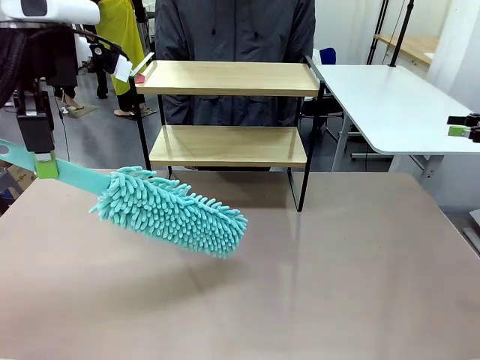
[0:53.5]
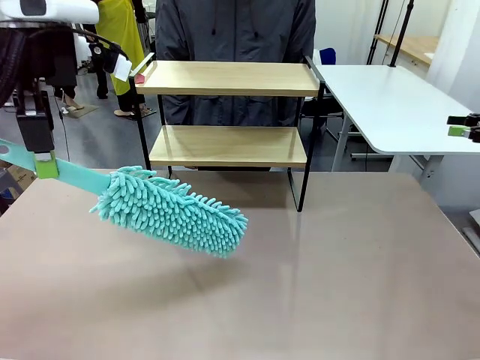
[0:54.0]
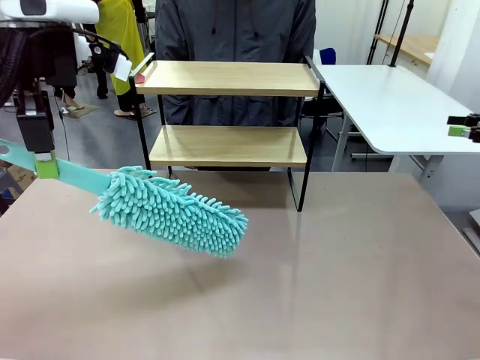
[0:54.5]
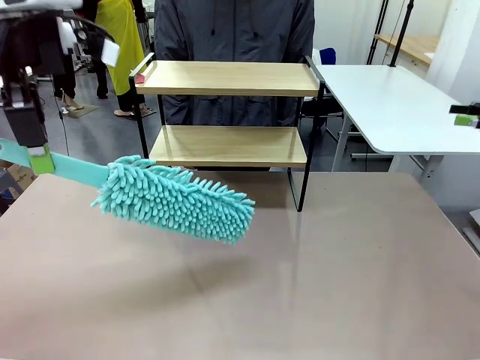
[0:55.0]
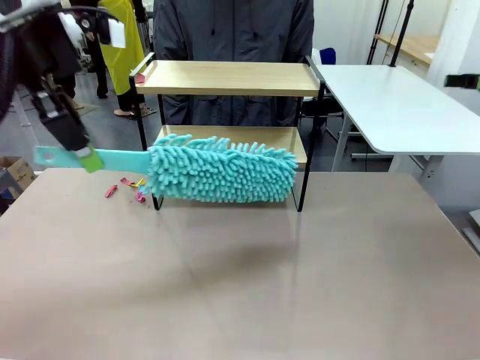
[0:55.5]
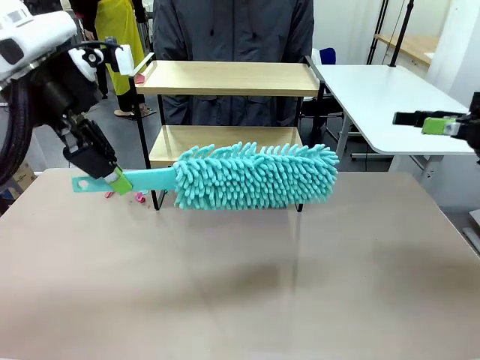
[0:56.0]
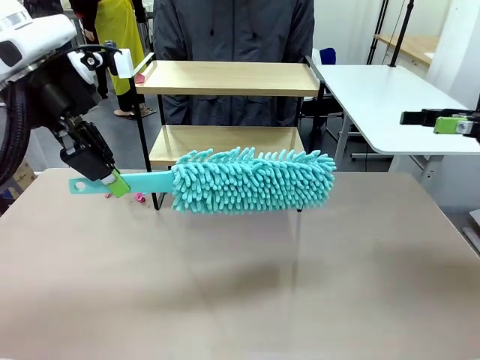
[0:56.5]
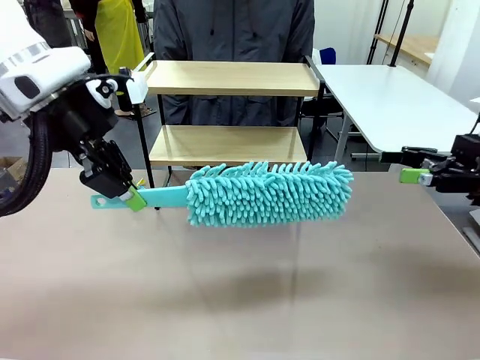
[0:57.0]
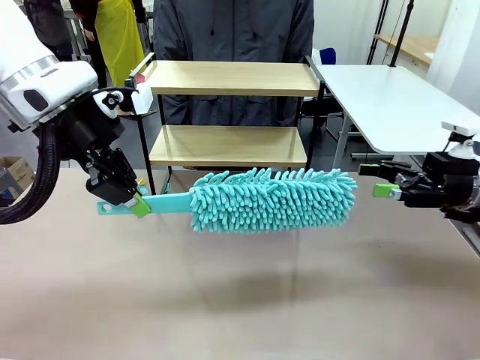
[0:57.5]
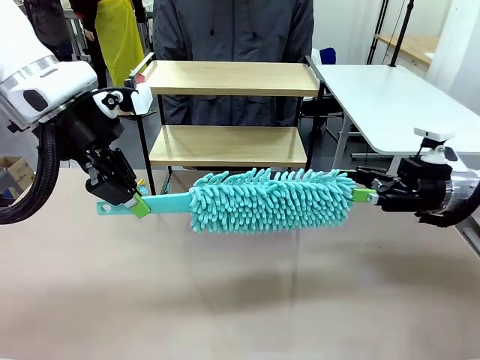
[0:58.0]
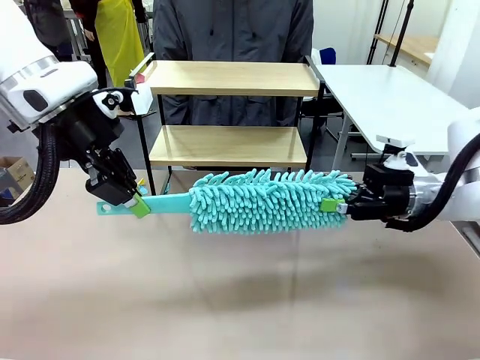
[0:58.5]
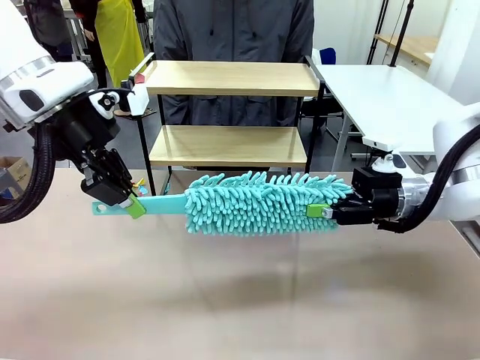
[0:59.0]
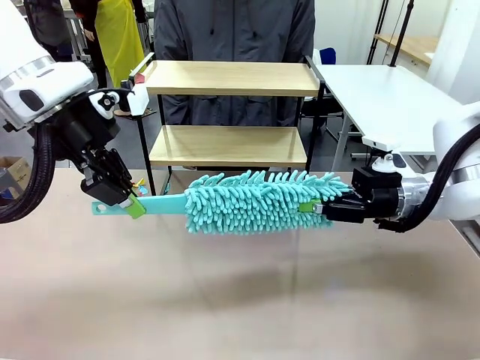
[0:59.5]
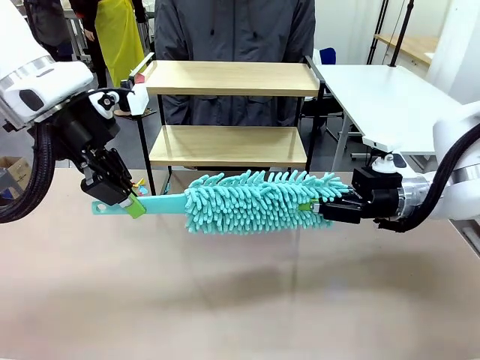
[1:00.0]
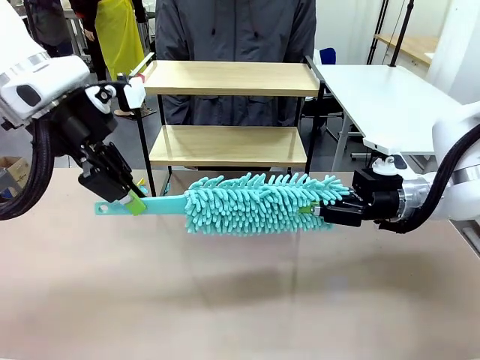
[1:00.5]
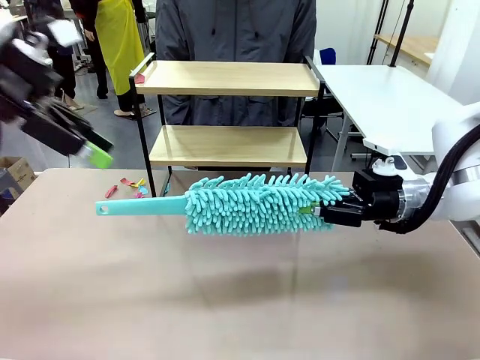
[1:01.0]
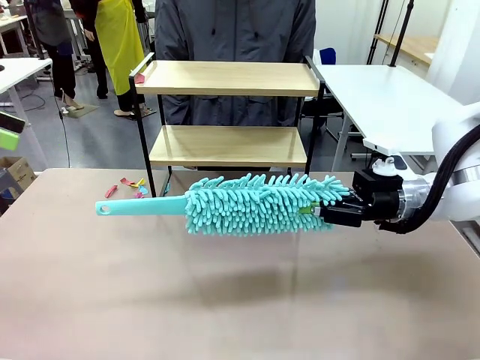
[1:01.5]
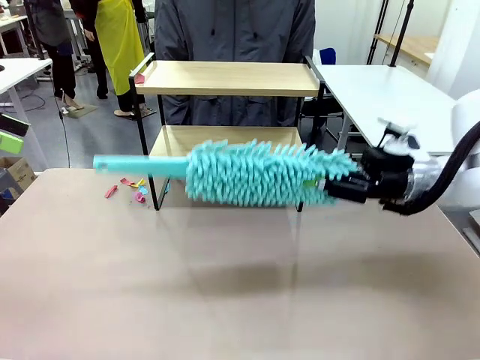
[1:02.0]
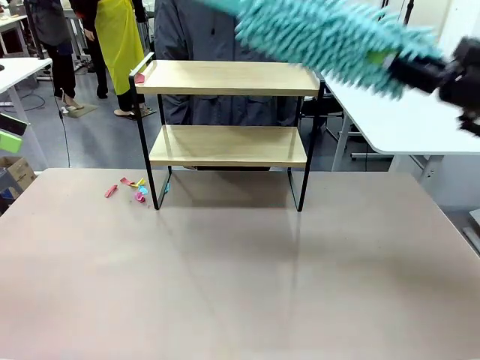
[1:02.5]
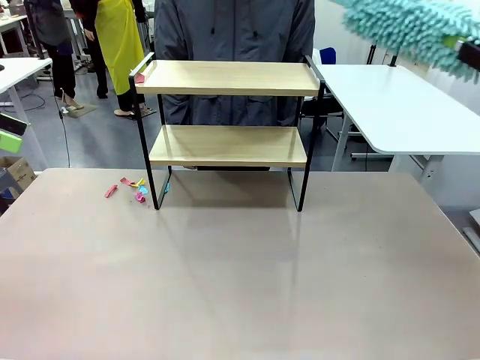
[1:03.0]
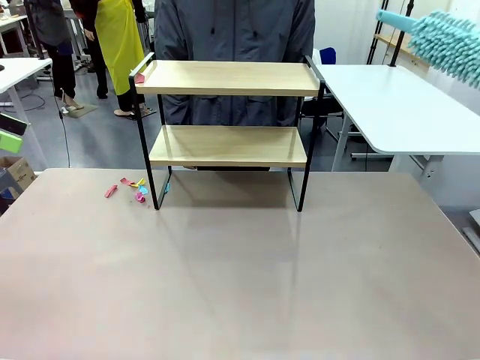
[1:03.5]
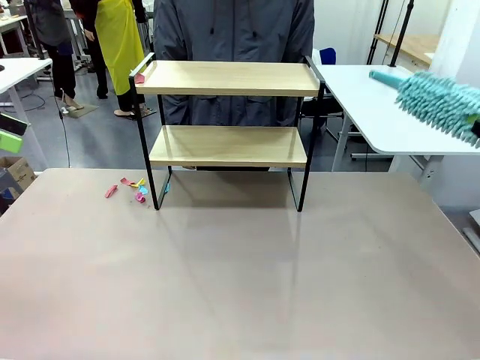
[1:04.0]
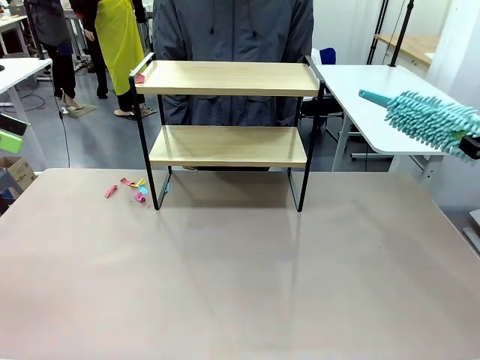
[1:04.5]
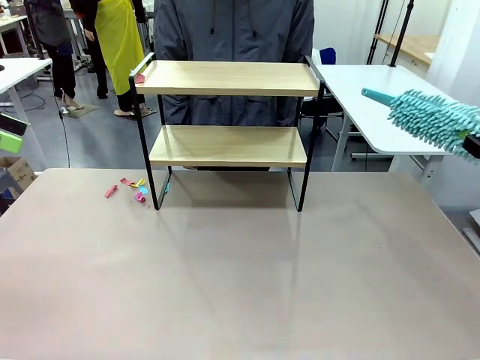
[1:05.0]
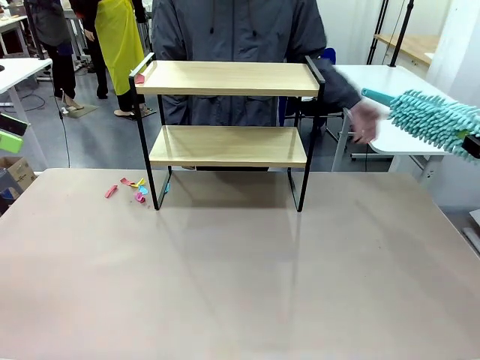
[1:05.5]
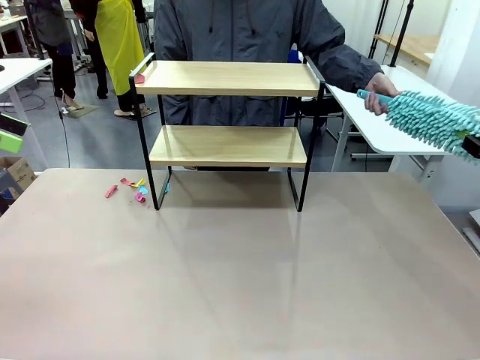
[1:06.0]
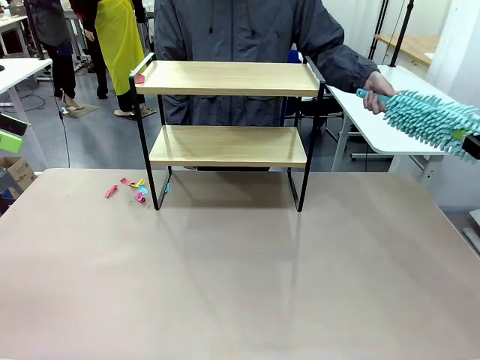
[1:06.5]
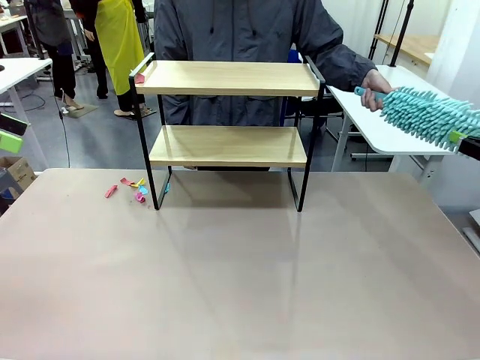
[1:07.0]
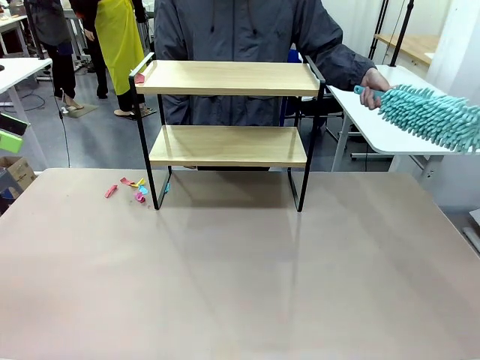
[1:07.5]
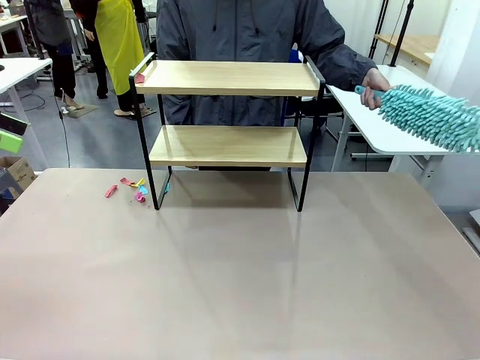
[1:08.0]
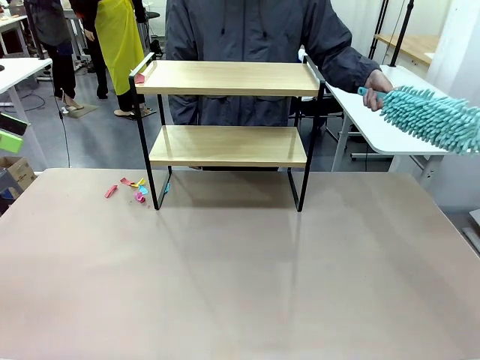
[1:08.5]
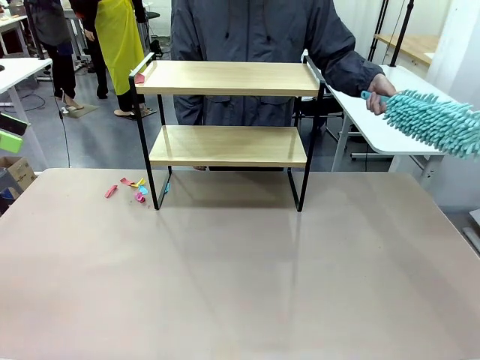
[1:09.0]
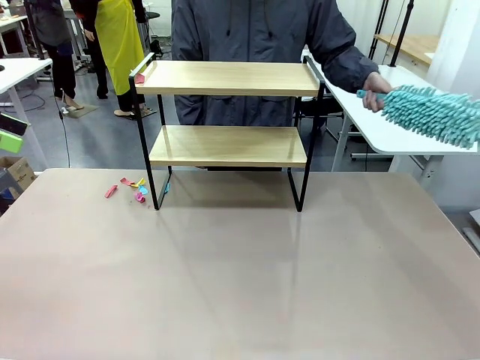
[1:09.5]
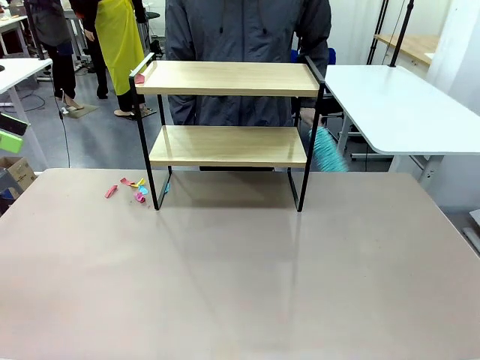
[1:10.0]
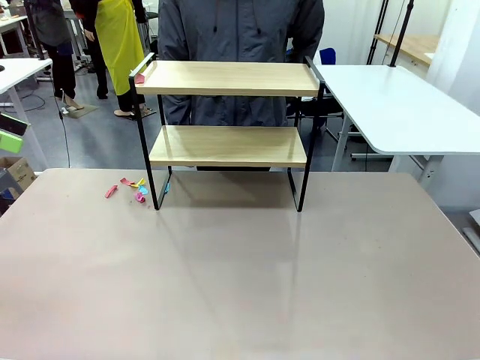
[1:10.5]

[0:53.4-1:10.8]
Task: Clean the shelf.
Robot: Hand the Duster back to the human.
Person: Receive the Duster from the robot.

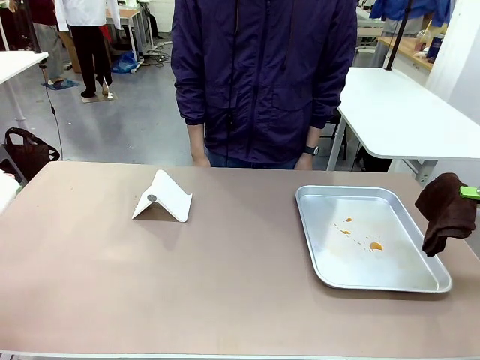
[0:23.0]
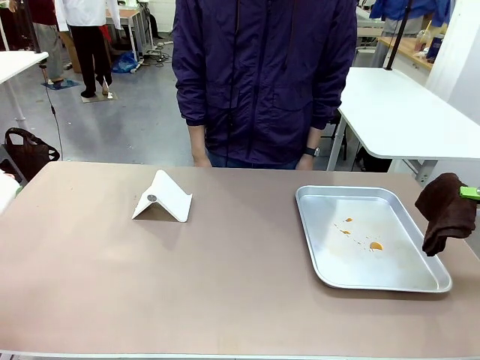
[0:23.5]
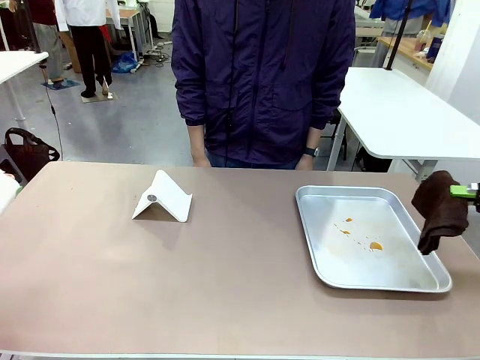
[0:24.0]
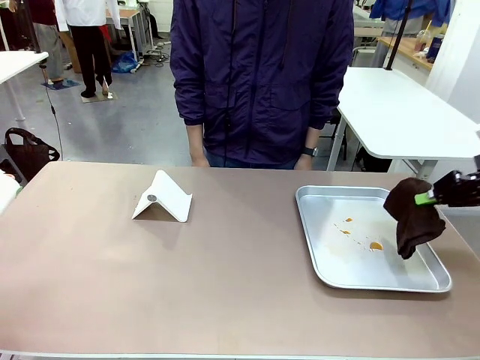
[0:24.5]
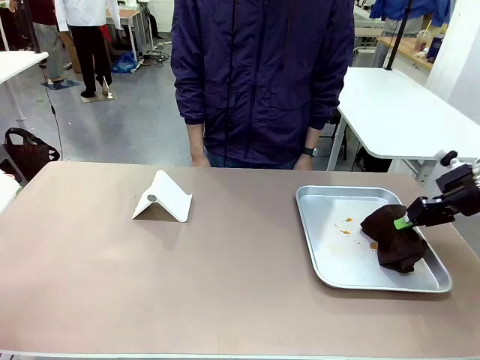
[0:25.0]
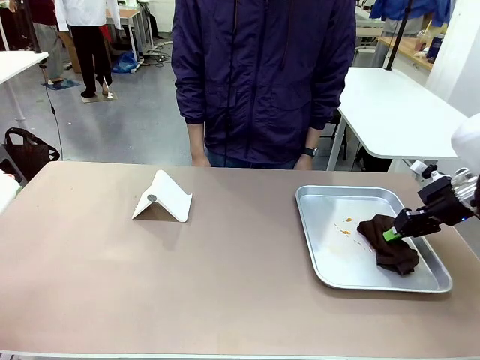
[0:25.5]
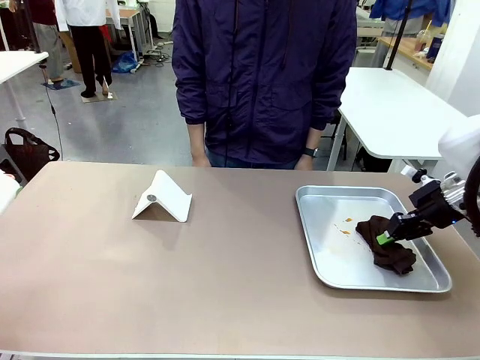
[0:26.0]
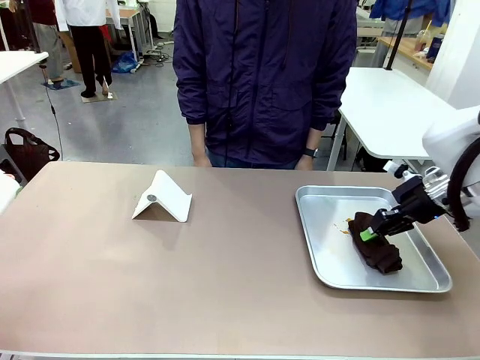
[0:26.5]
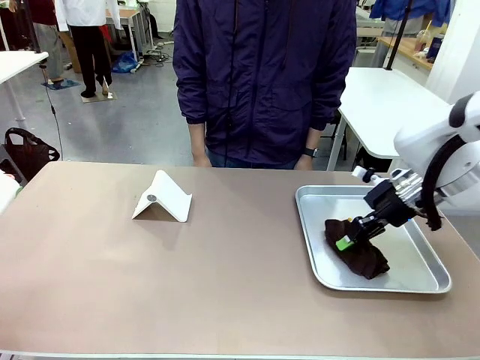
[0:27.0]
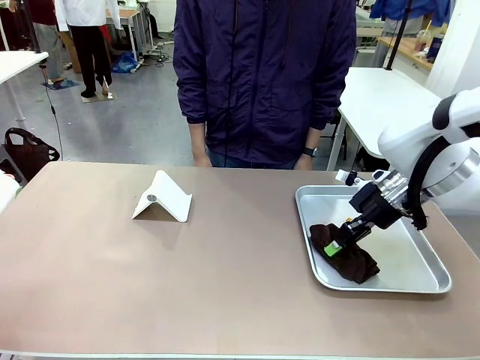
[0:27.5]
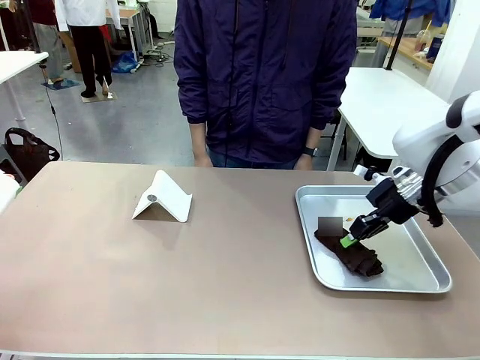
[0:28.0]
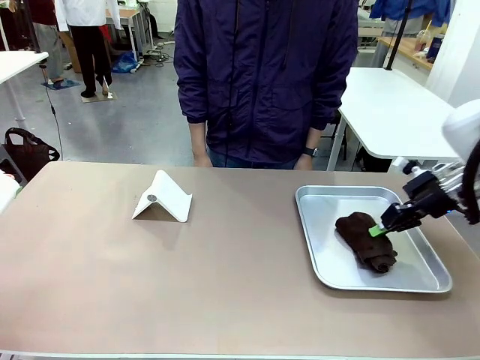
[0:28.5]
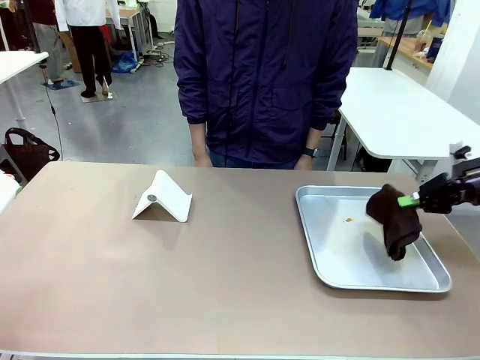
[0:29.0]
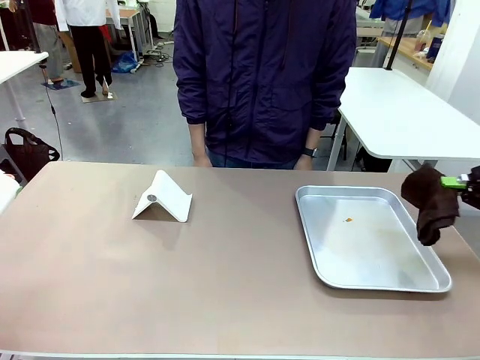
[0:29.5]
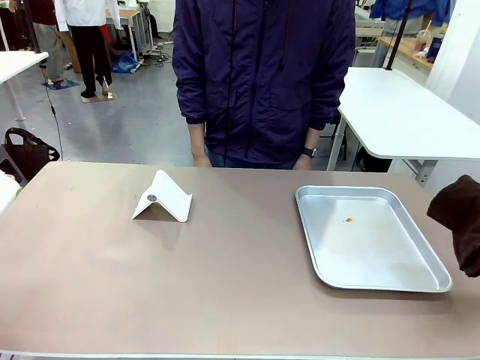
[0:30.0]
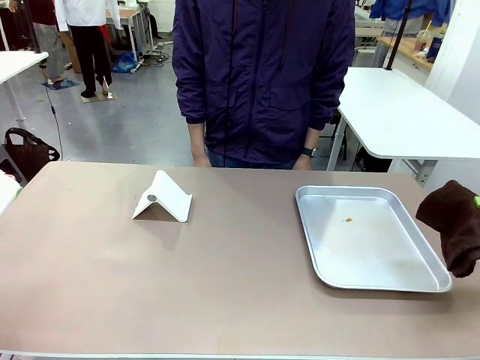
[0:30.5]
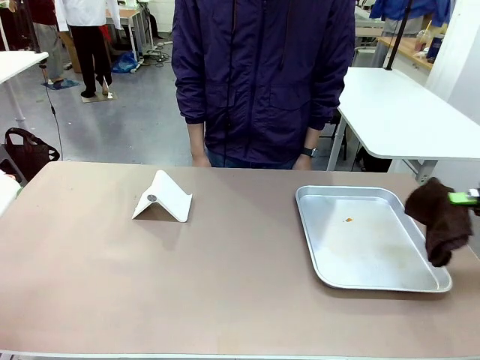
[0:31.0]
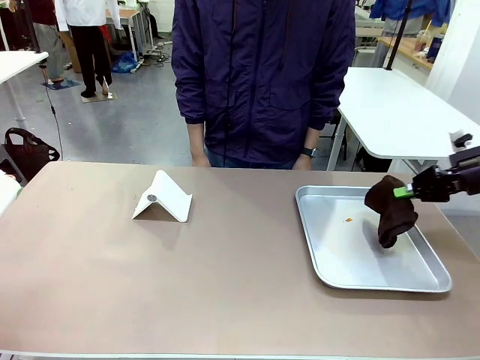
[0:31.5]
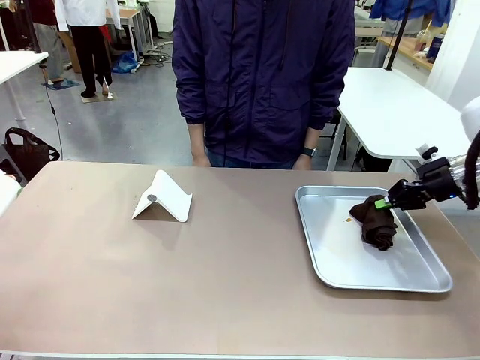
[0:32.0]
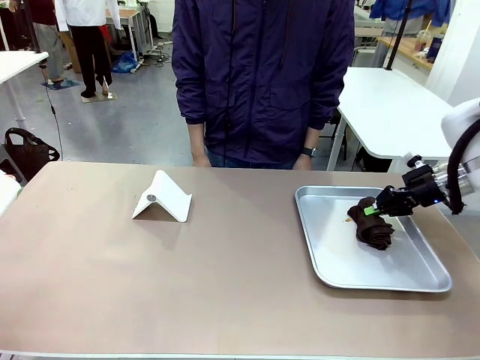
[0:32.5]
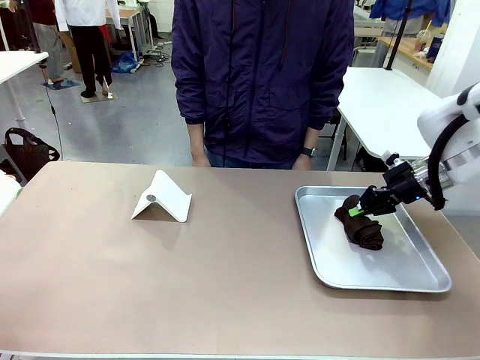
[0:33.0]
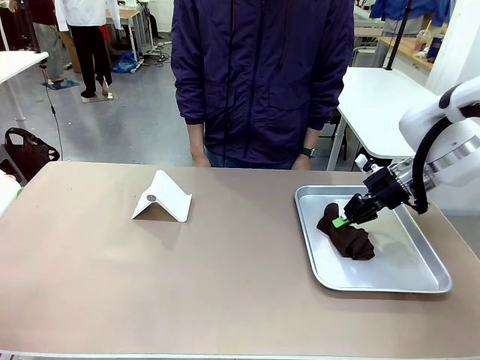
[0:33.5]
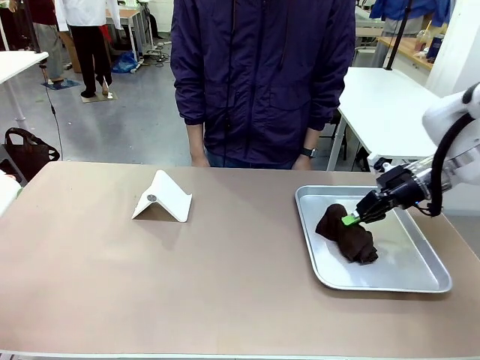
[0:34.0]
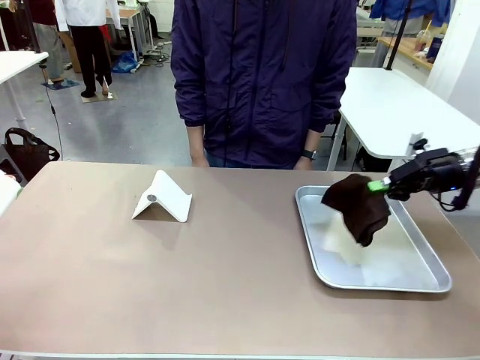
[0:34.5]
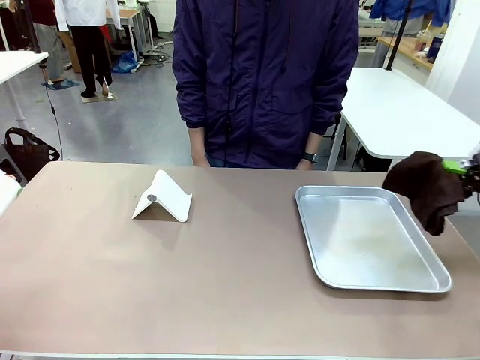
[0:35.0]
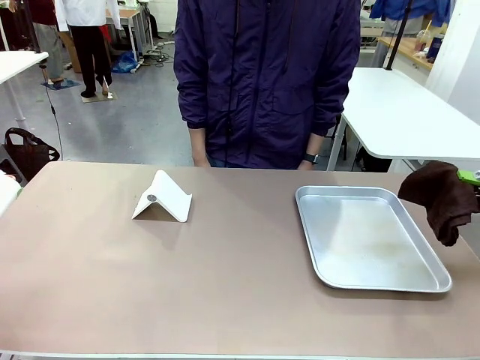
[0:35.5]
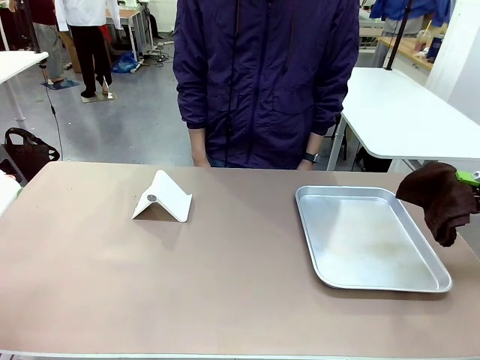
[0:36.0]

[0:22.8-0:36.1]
Task: Clean the surface of the table.
Robot: Clean the area not pointed to by the person.
